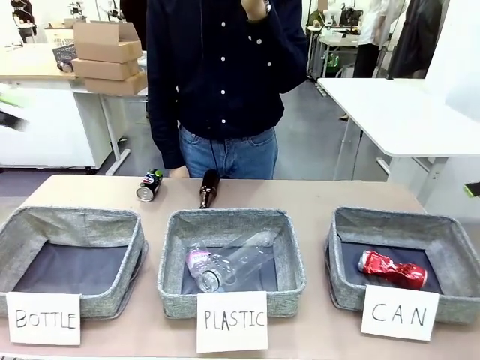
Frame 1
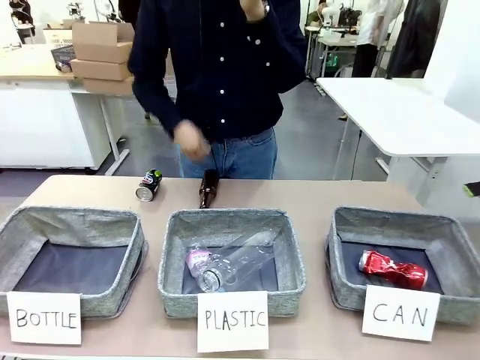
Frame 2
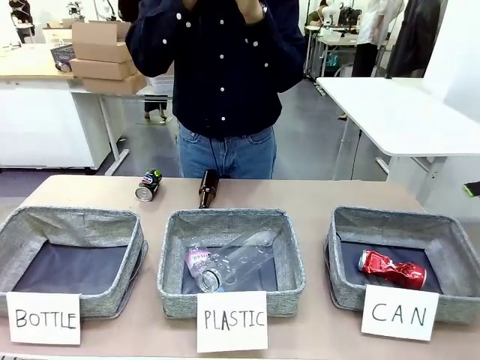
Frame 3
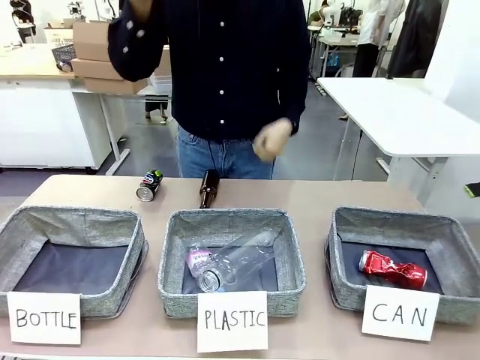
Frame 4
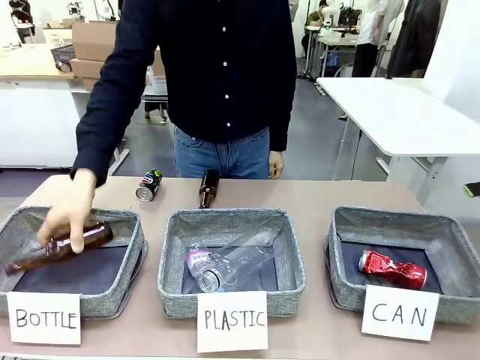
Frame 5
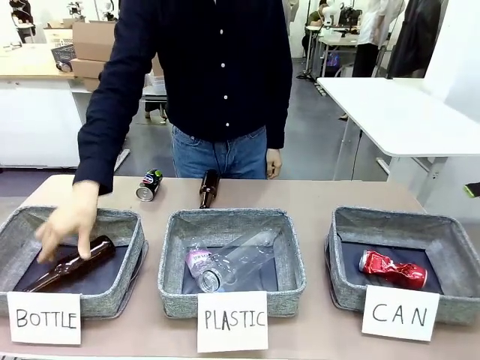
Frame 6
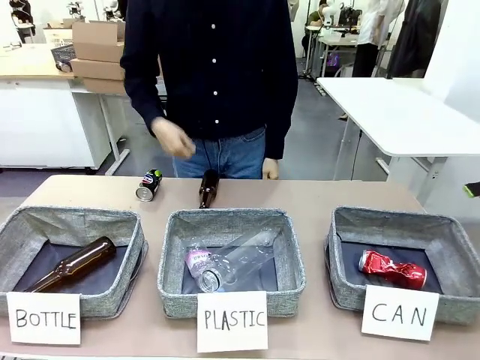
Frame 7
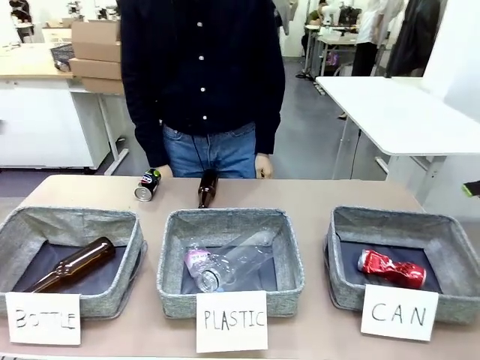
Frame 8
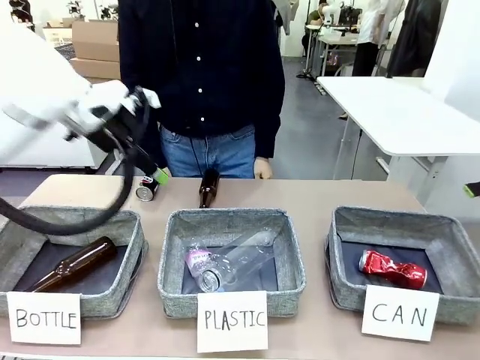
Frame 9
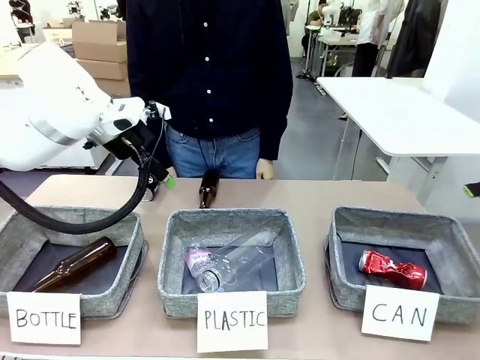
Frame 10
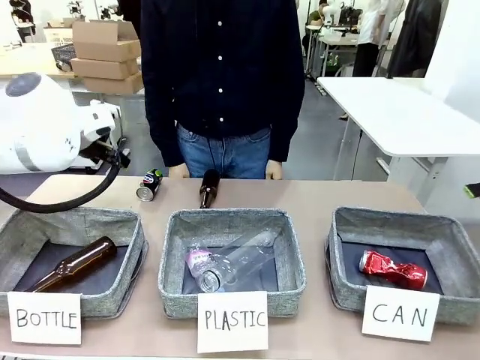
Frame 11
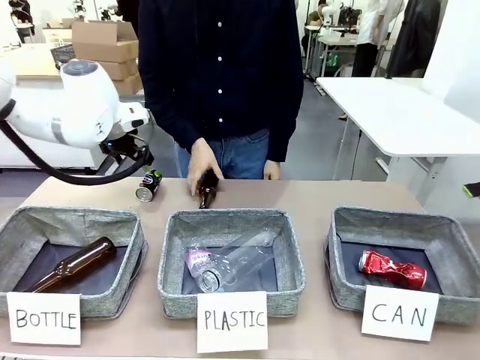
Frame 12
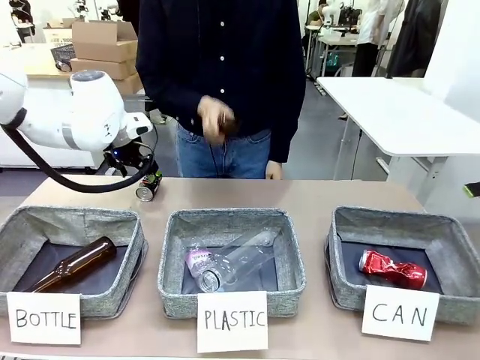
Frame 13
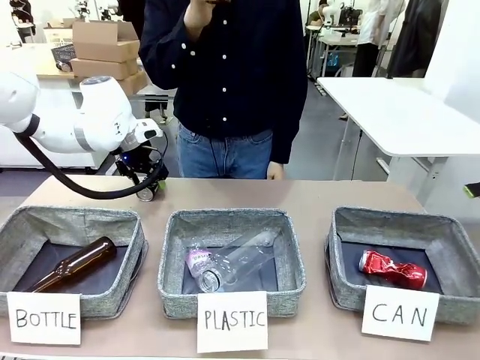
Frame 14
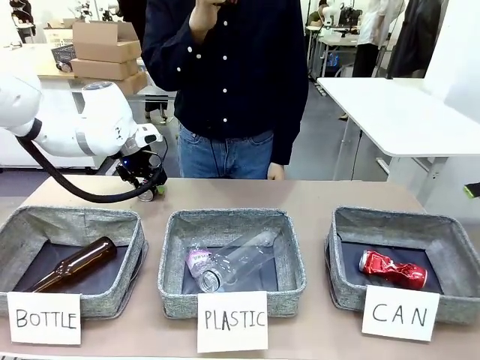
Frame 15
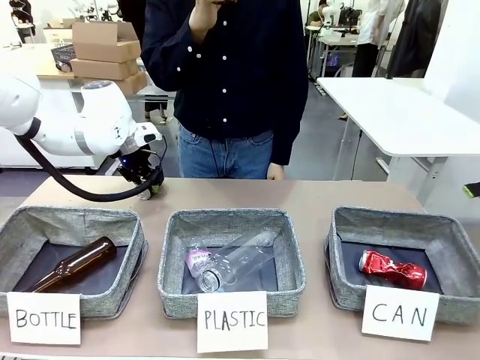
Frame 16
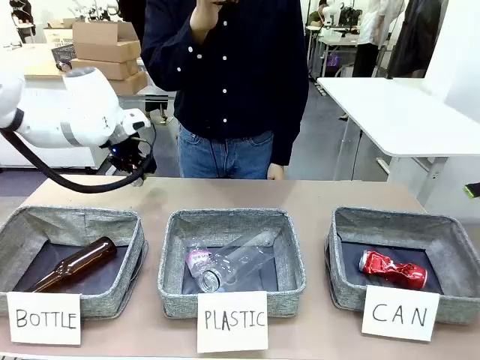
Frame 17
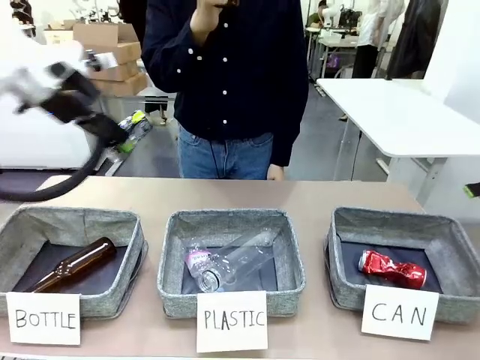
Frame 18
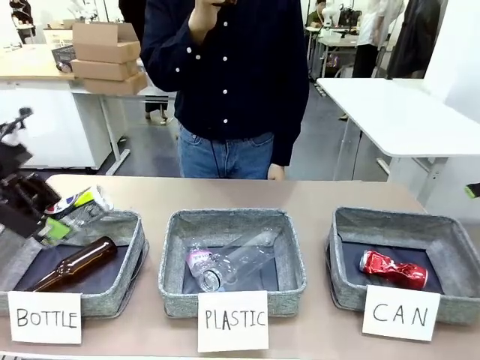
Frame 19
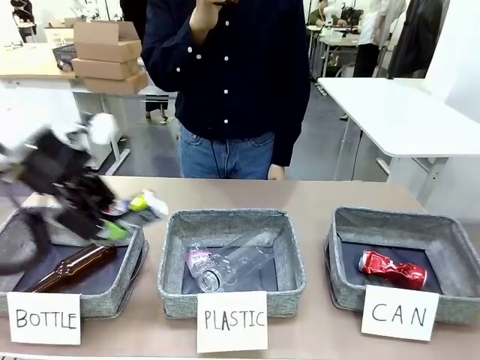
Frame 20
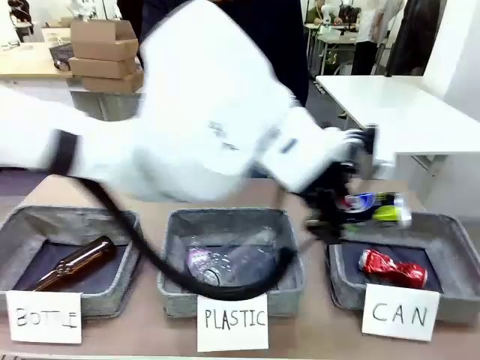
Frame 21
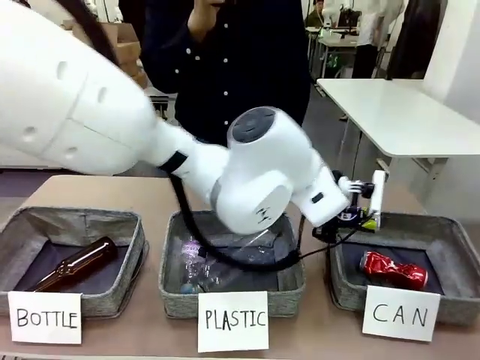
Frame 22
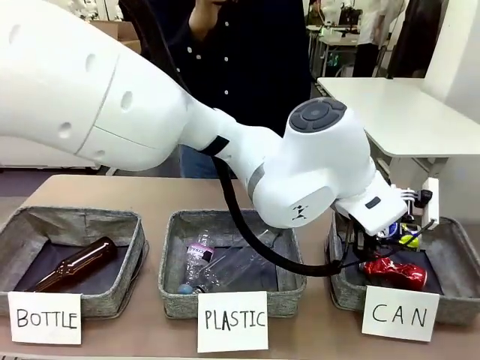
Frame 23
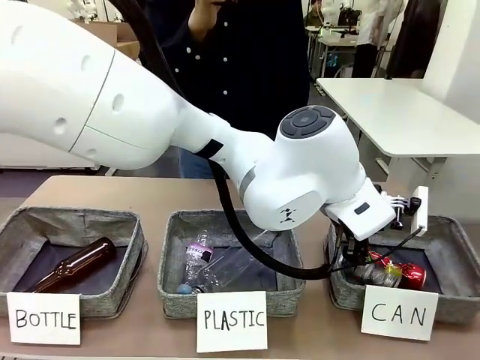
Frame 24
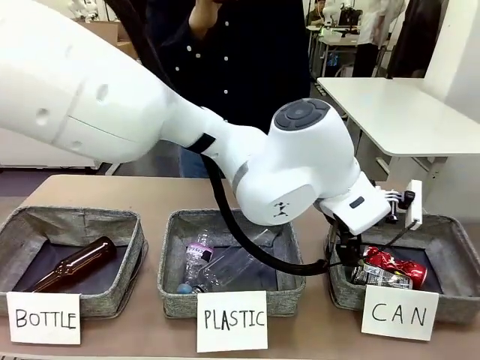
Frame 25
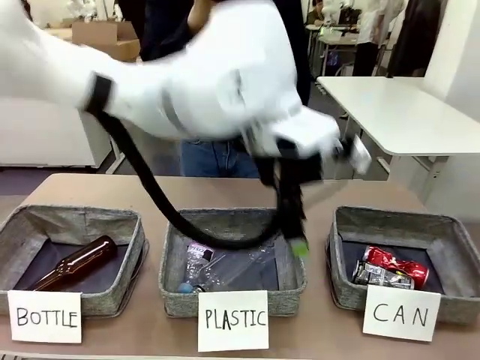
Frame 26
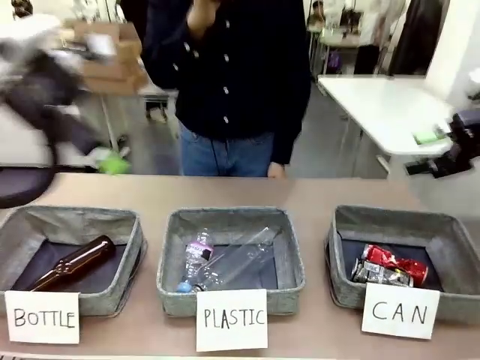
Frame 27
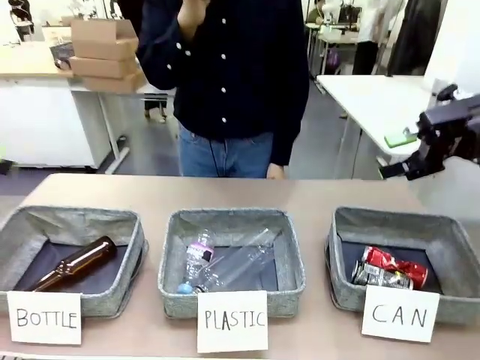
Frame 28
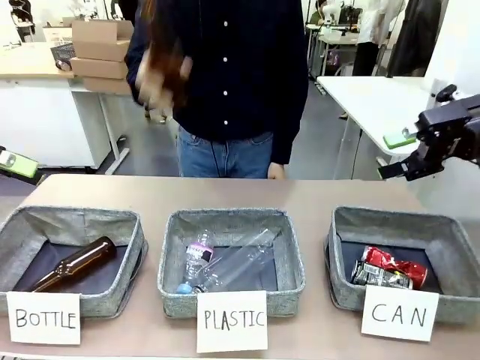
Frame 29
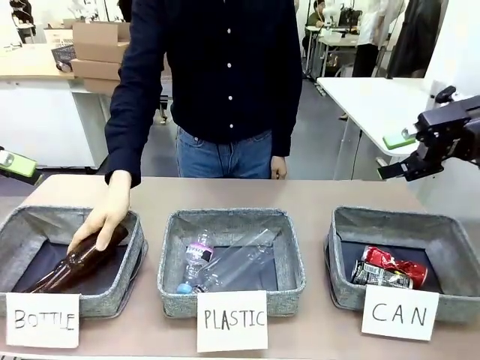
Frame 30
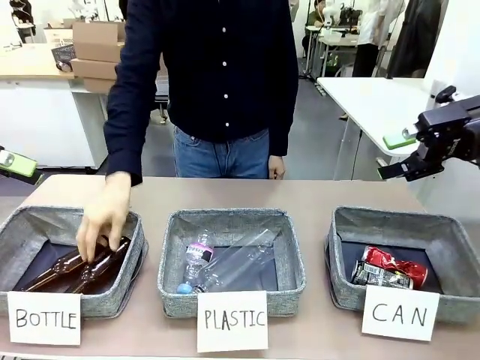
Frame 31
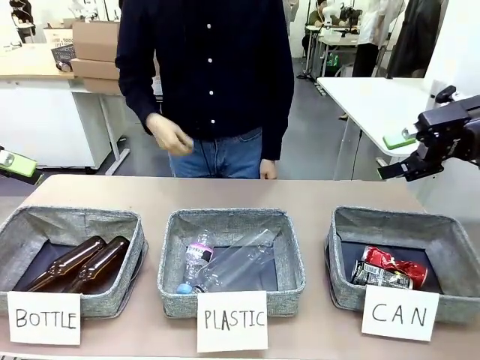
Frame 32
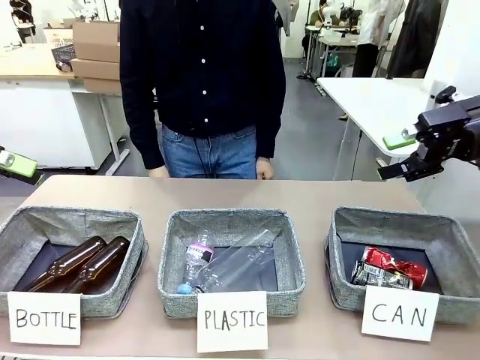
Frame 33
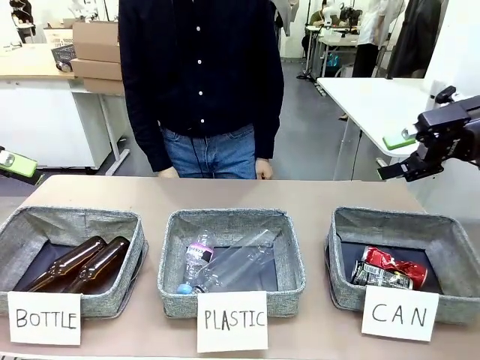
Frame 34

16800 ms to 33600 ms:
Task: Sort the can waste into the basket.
Robot: Pick up the can waste from the table and place it in the right Fabric basket.

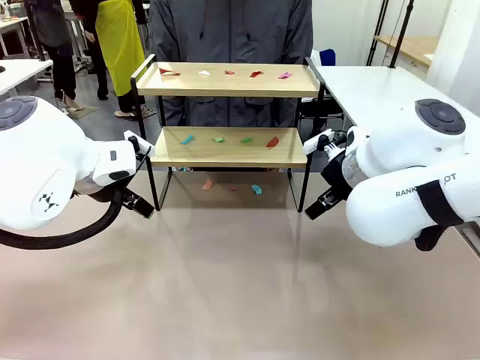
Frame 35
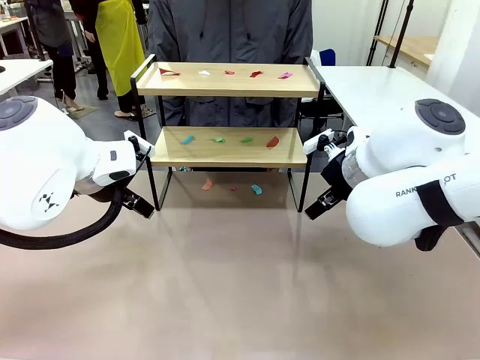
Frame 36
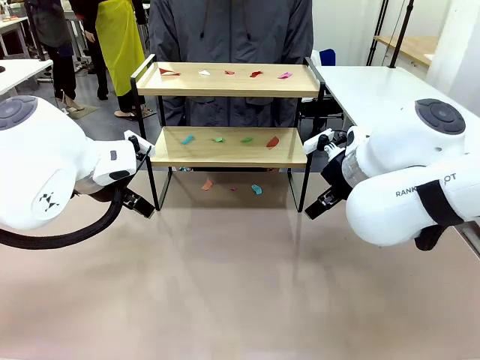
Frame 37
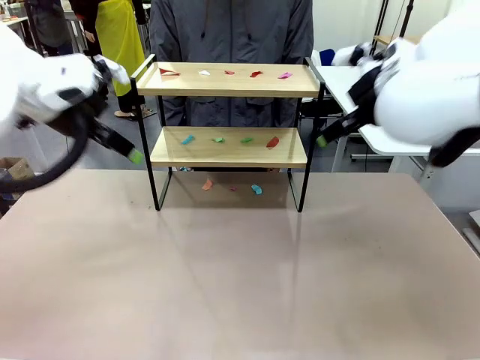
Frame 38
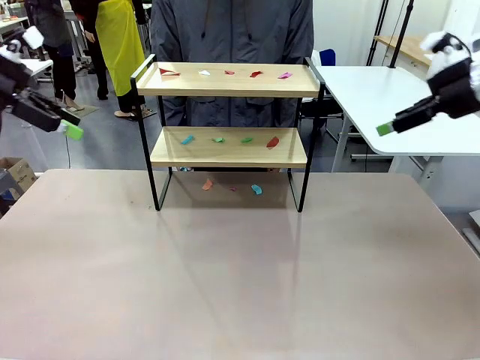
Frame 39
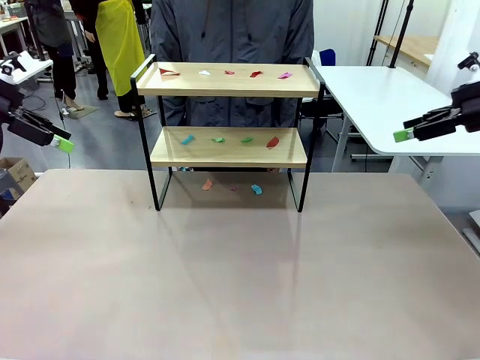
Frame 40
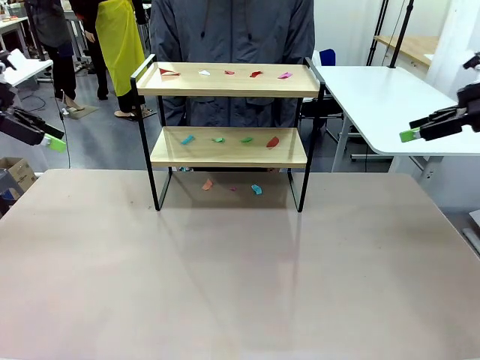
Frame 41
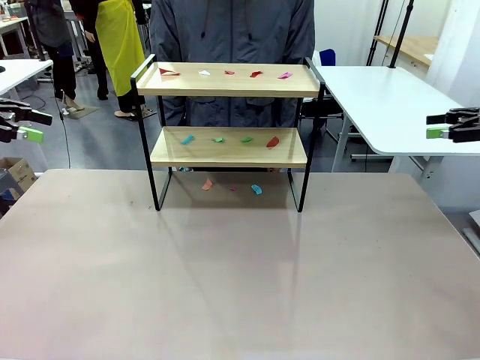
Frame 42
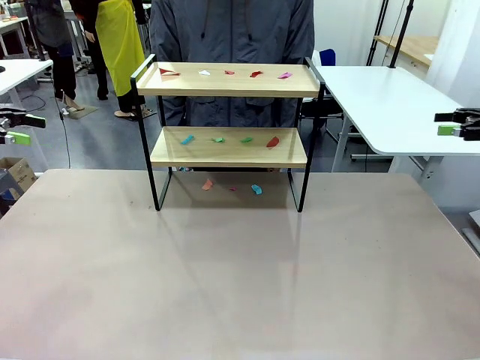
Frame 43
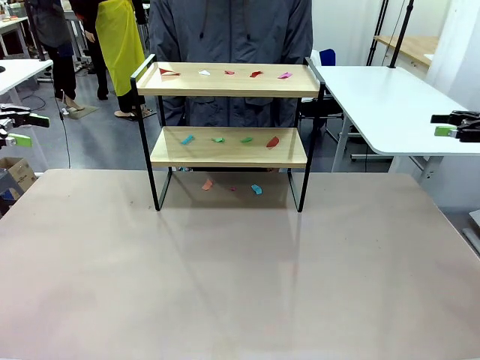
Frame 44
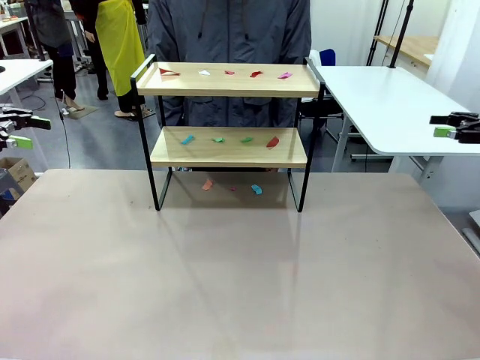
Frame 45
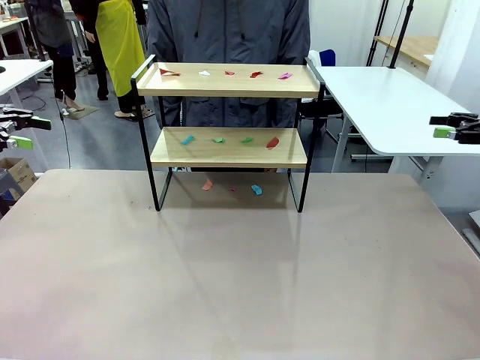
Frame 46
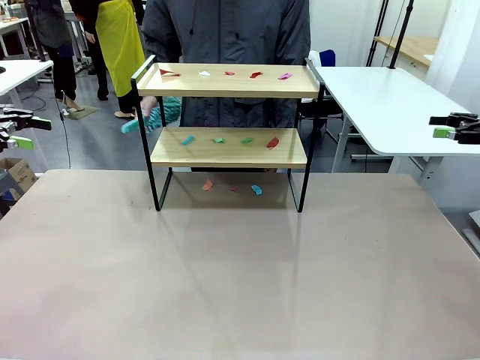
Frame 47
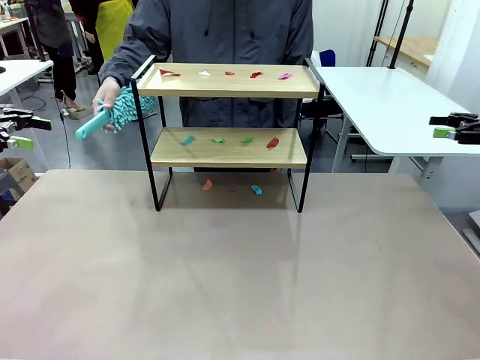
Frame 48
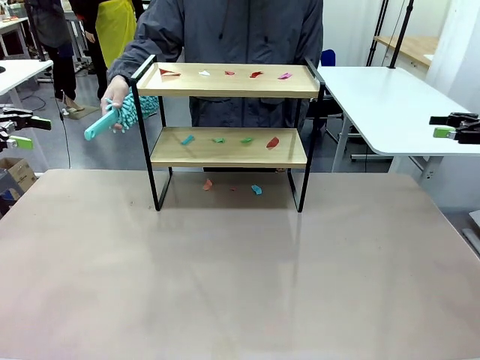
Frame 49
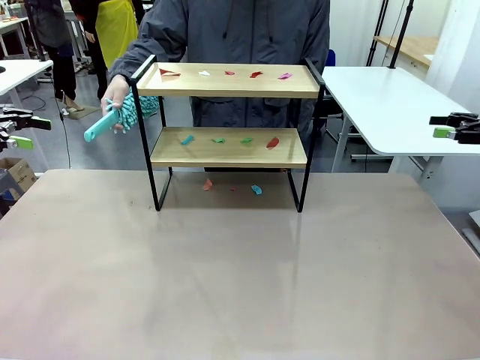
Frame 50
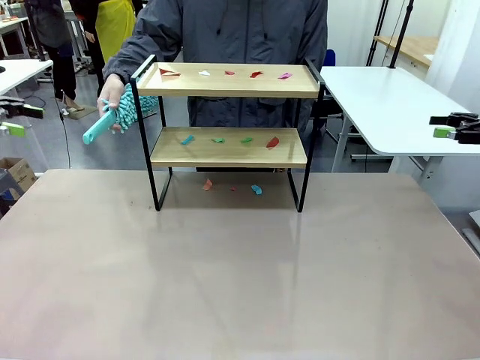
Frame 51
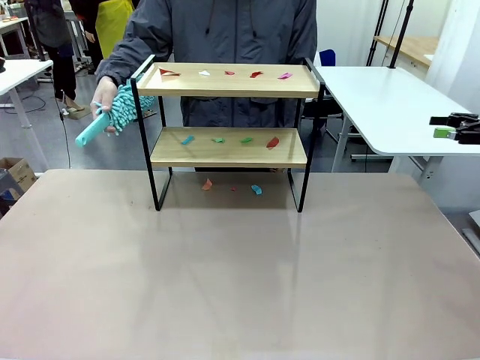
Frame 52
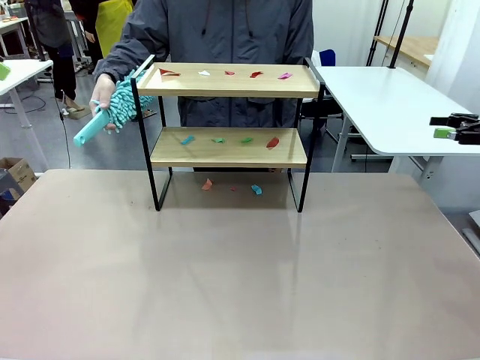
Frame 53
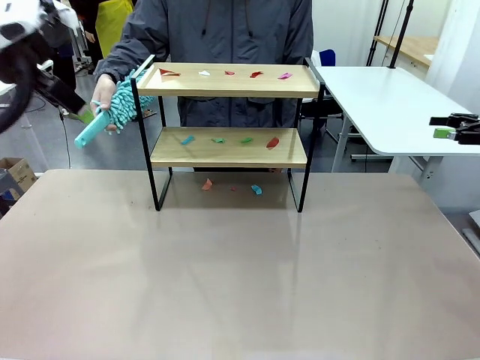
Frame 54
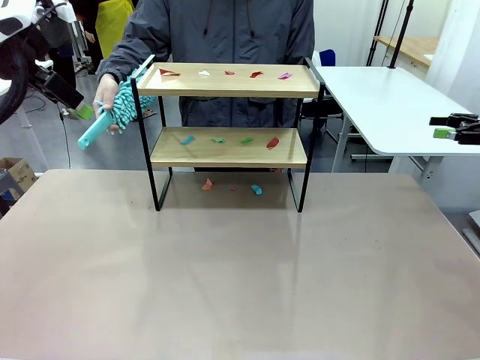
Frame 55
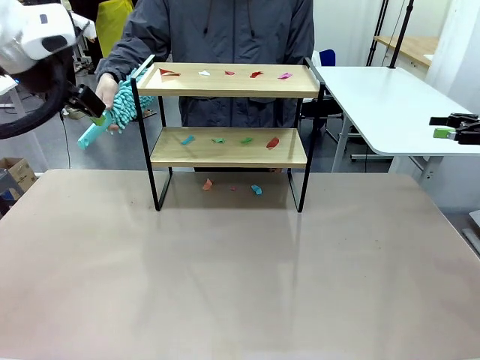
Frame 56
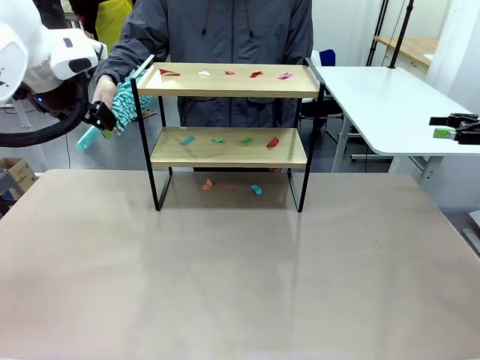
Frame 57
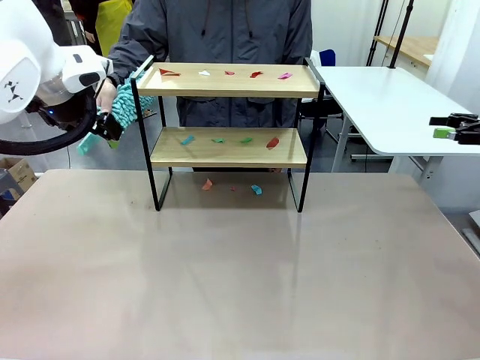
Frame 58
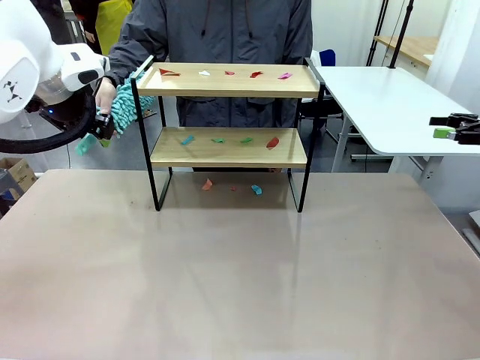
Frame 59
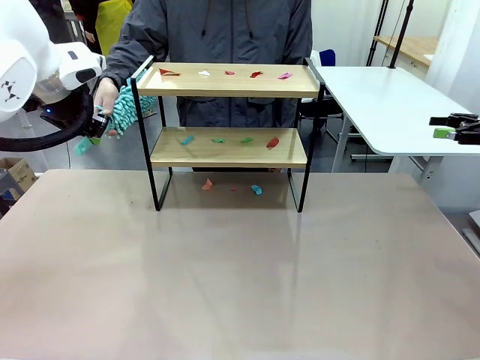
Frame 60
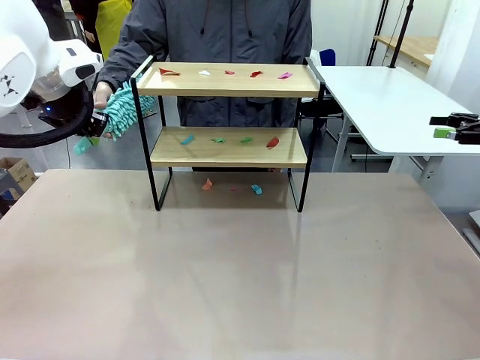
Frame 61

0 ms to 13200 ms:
Task: Clean the shelf.
Robot: Pick up the Duster handed by the human.
Person: Hand the Duster to the robot.
